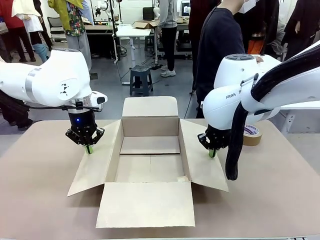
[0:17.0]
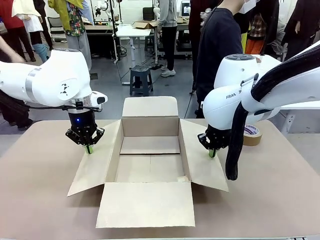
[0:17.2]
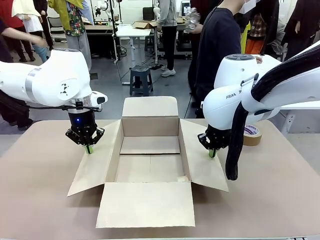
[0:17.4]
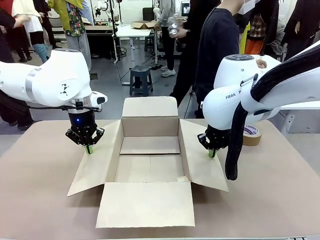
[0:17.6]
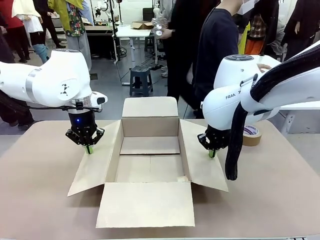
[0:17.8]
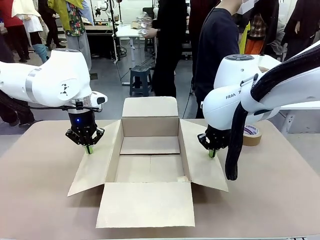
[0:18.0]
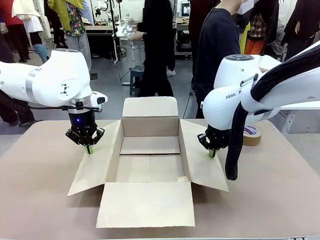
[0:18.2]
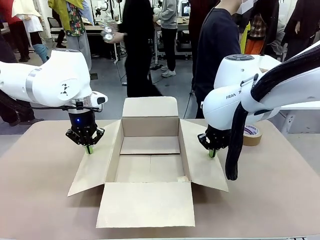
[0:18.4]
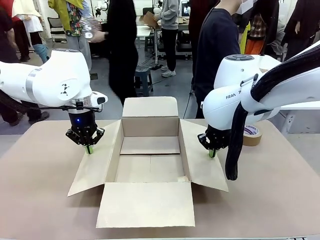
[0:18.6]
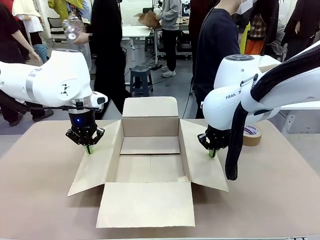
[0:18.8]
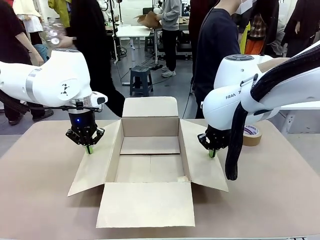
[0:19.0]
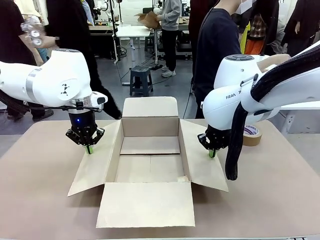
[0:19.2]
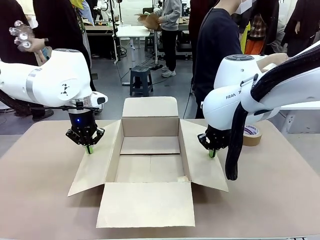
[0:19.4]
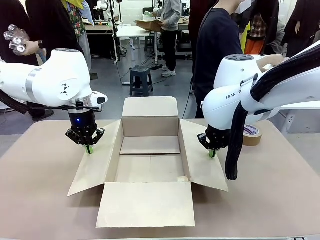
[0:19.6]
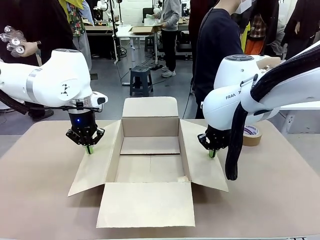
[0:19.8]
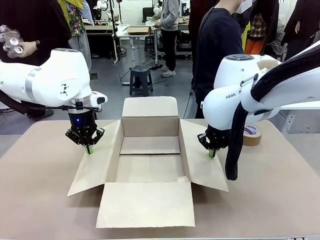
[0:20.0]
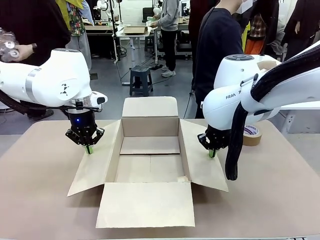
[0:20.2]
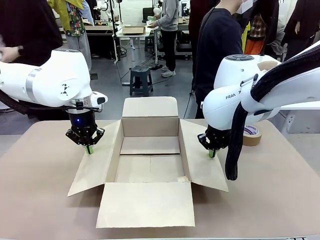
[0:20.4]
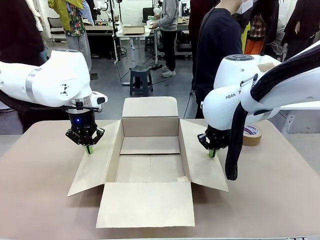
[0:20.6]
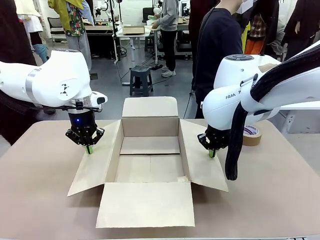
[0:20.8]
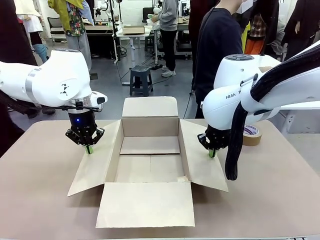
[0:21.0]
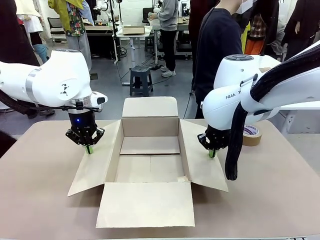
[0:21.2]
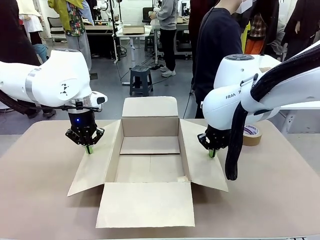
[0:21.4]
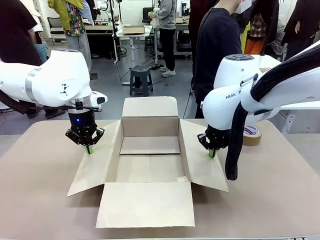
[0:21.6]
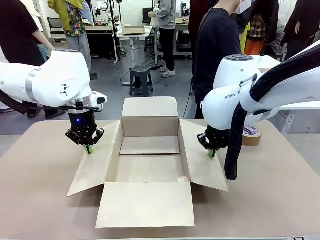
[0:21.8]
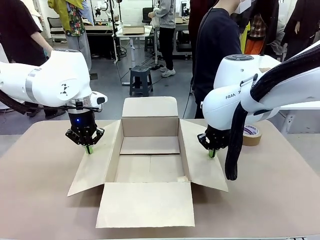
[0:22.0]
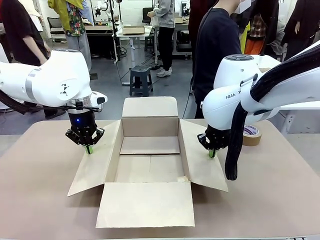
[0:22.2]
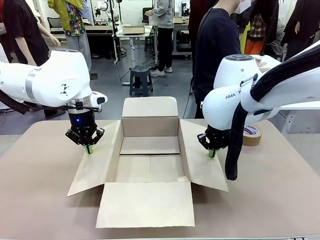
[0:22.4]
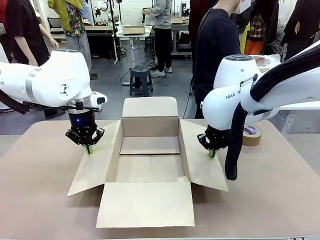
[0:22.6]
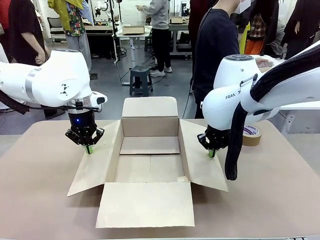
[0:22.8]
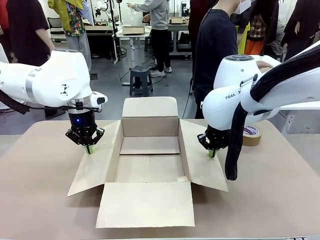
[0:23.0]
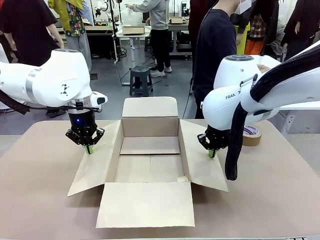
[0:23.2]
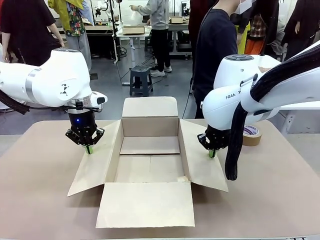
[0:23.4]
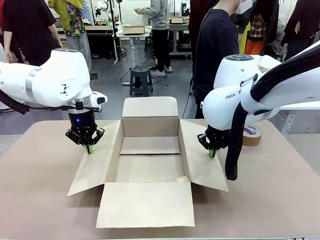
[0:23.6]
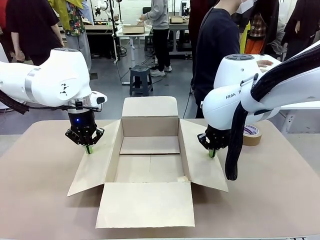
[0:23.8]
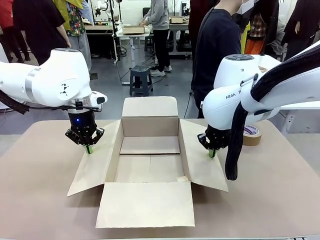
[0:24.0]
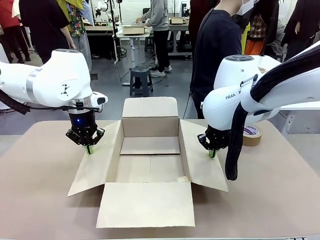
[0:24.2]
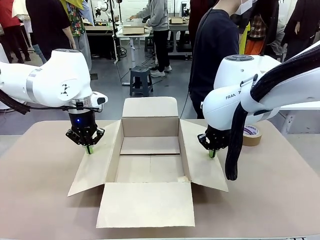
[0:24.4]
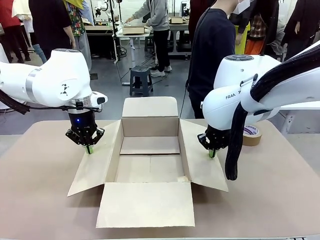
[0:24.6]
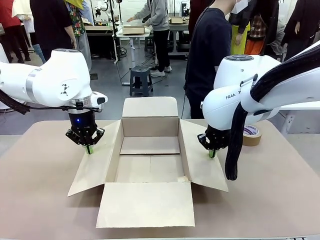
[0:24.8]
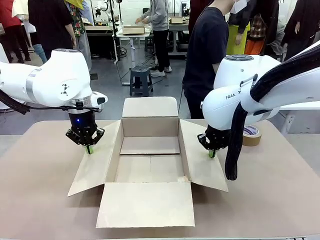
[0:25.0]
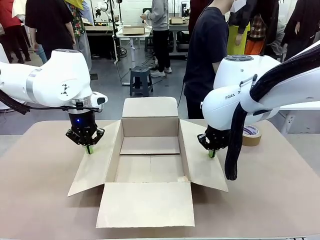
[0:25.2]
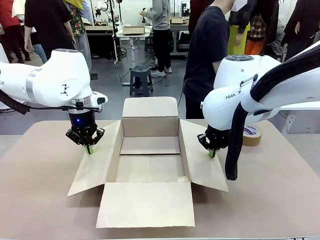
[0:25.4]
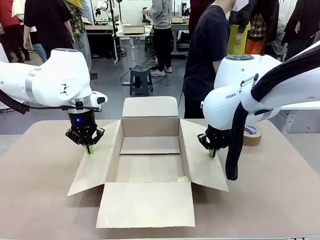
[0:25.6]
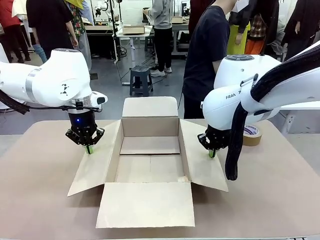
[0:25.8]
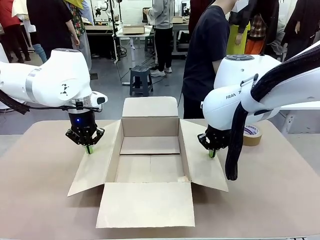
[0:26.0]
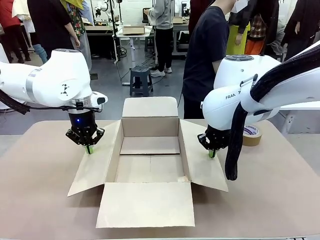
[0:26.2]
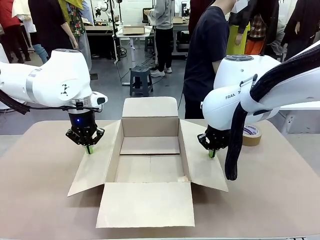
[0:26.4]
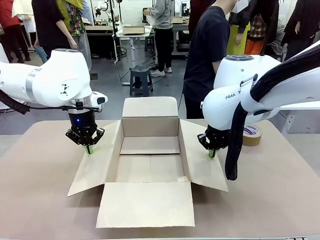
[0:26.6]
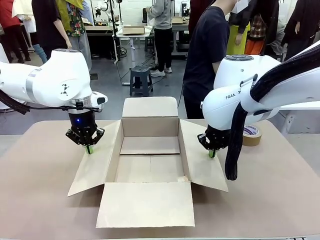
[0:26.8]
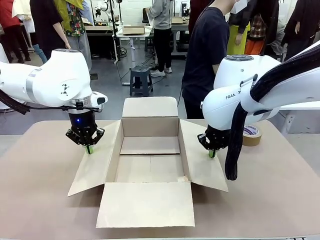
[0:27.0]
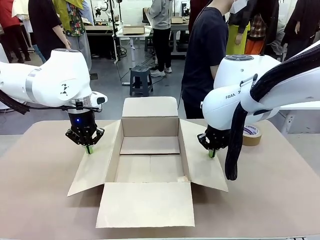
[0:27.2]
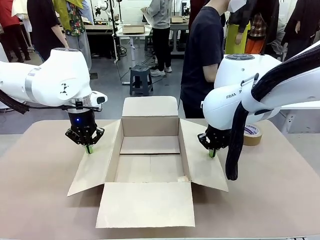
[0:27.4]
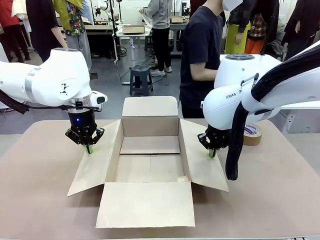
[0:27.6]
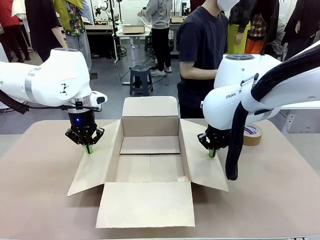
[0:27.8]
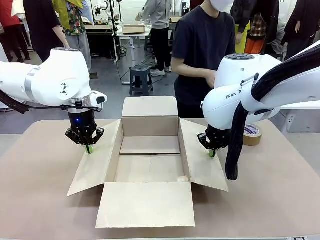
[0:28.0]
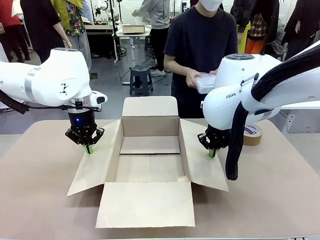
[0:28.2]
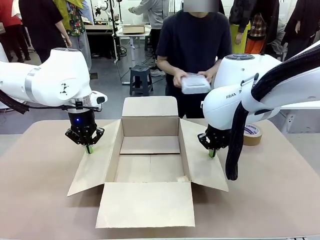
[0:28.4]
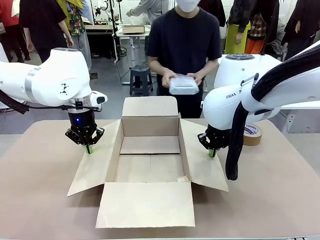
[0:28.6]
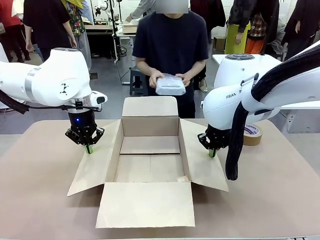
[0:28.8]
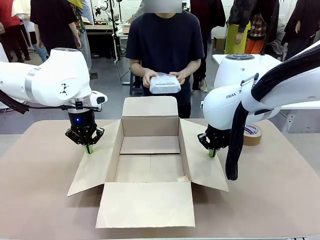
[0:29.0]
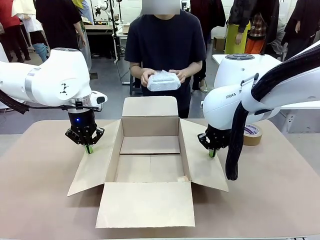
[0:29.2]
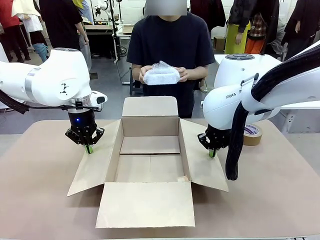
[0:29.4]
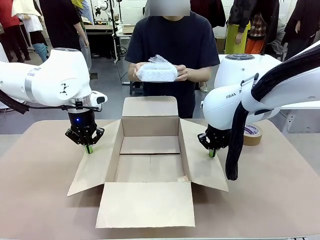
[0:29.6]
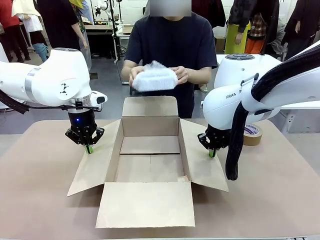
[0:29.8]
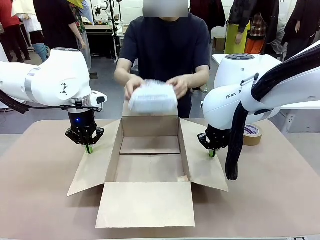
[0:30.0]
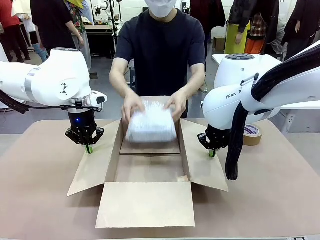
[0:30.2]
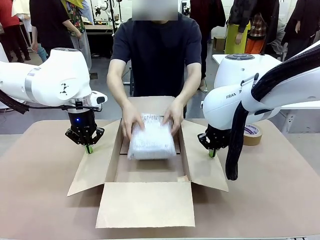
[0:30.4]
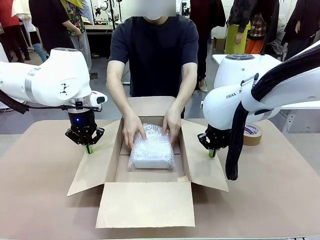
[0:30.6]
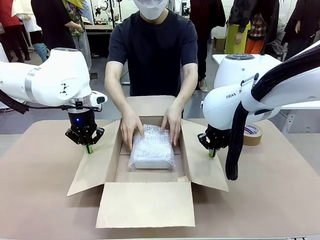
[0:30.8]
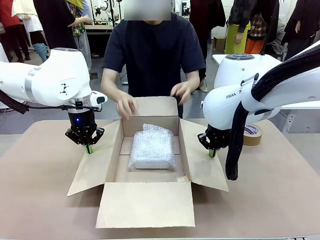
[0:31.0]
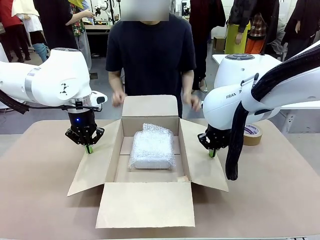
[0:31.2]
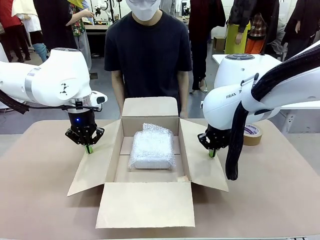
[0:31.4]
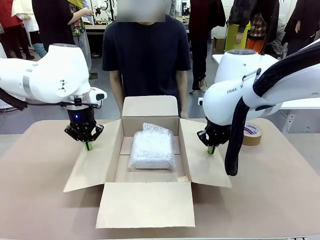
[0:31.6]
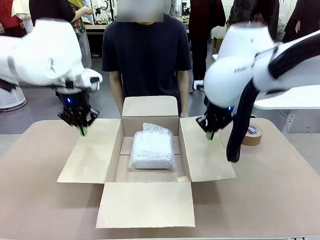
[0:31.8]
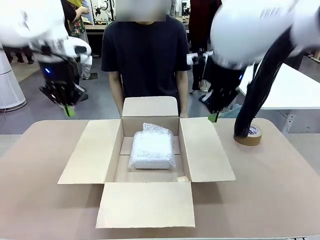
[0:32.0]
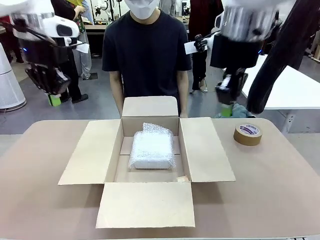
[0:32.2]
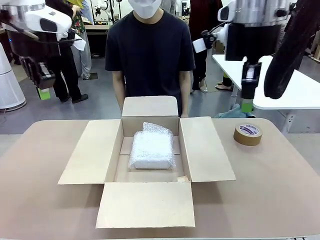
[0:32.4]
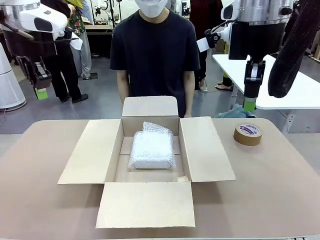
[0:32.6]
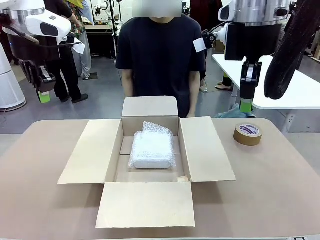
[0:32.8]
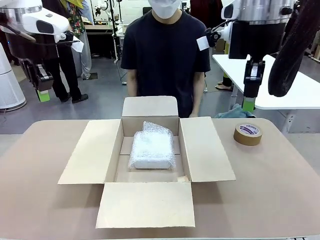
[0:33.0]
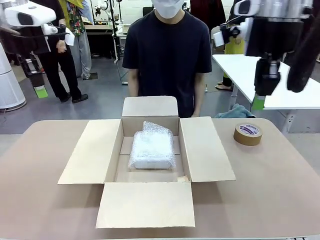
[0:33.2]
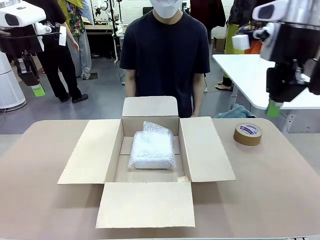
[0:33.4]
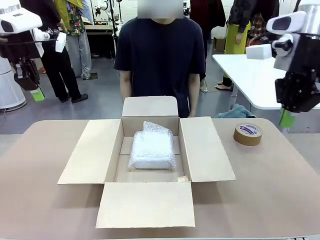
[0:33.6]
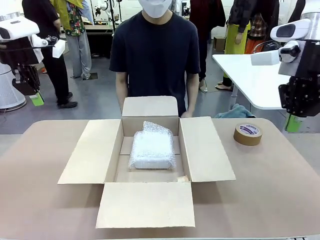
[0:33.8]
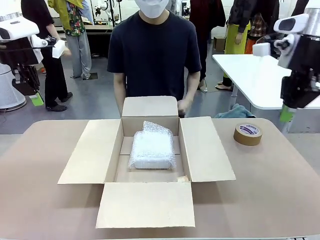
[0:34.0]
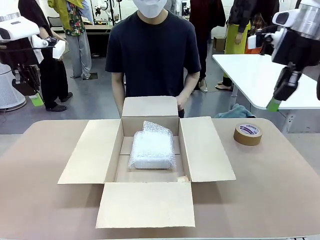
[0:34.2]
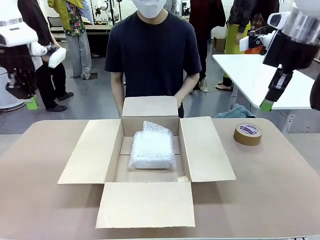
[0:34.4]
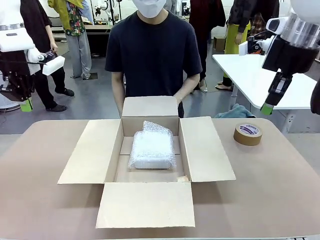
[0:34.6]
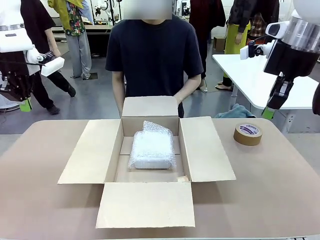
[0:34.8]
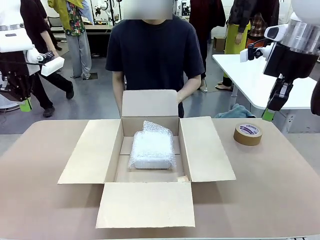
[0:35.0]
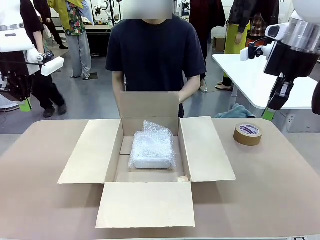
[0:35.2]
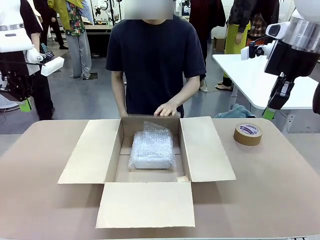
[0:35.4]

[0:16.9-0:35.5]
Task: Wrap the clocks to prevent damage.
Robot: Once the human has placed the objects inside and stepped back, release both hands from the side flaps of the Package Box.
Person: Place the wrapped Digital clocks inside the Package Box. Hold the top and bottom flaps of the Package Box closed with your left (or right) hand.
